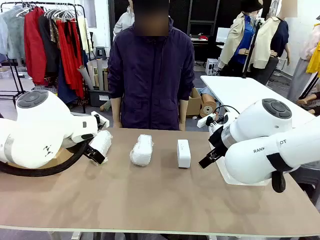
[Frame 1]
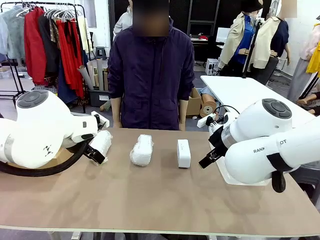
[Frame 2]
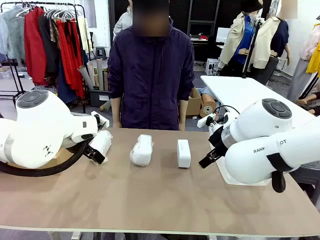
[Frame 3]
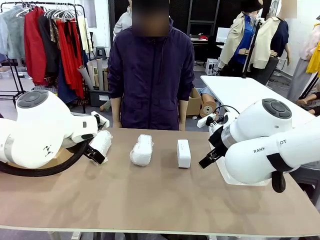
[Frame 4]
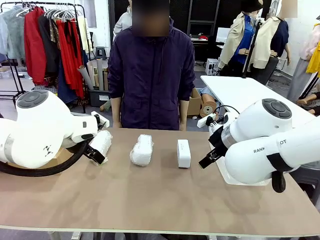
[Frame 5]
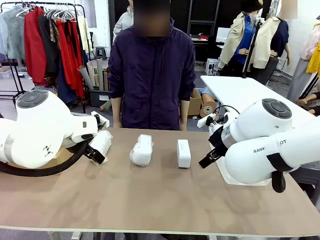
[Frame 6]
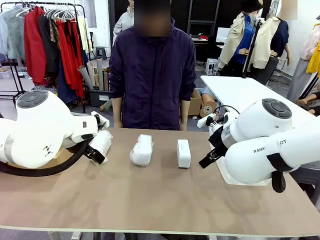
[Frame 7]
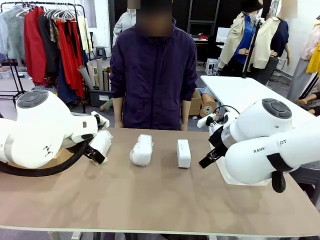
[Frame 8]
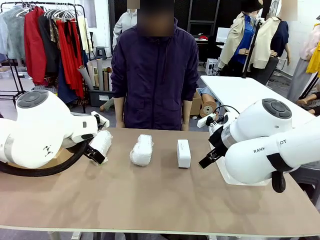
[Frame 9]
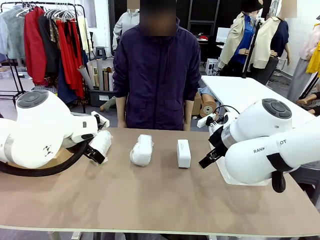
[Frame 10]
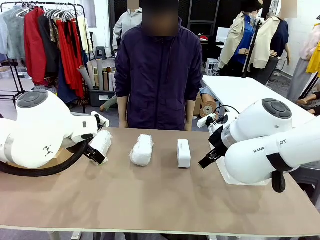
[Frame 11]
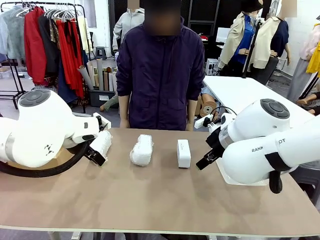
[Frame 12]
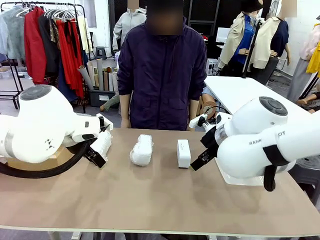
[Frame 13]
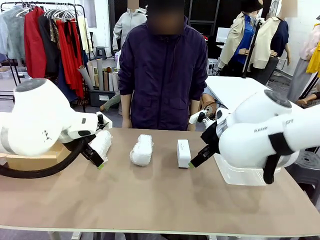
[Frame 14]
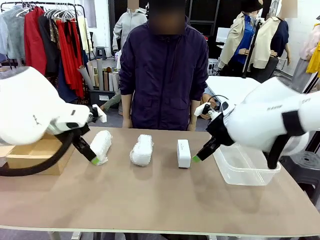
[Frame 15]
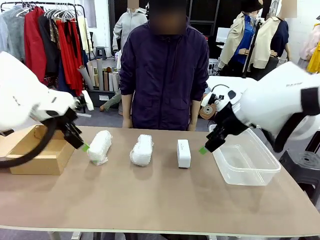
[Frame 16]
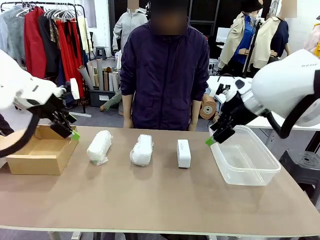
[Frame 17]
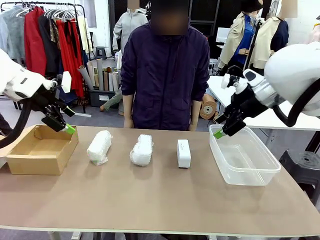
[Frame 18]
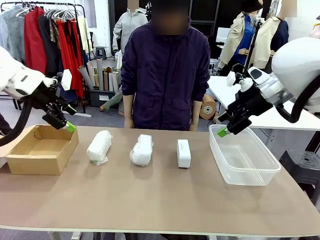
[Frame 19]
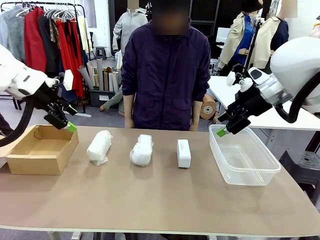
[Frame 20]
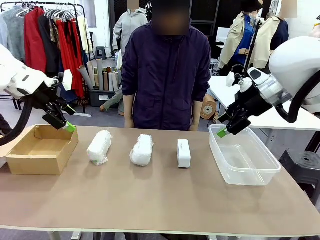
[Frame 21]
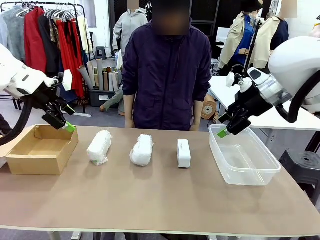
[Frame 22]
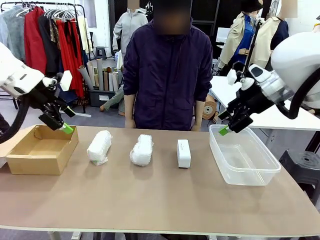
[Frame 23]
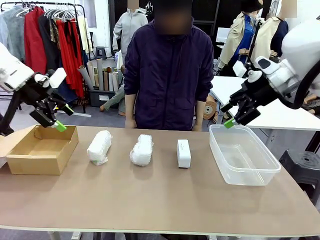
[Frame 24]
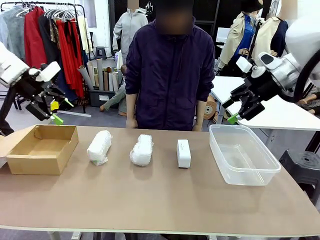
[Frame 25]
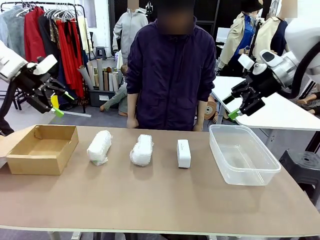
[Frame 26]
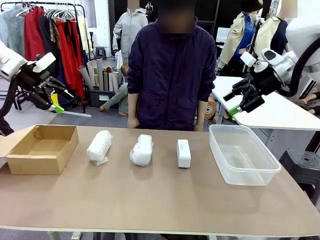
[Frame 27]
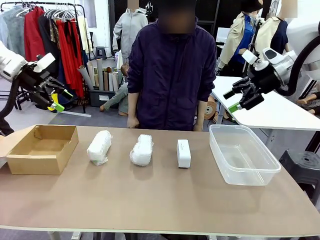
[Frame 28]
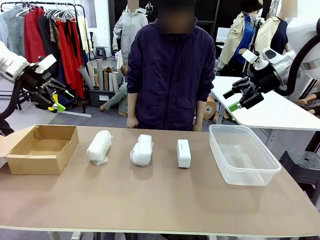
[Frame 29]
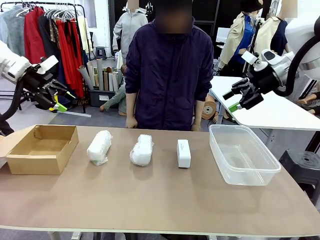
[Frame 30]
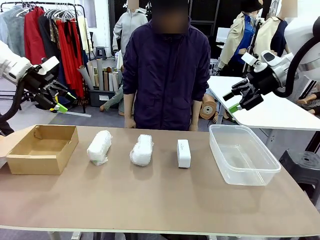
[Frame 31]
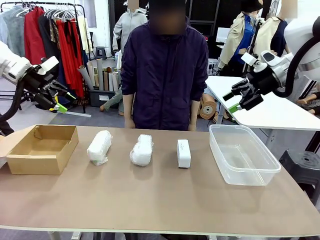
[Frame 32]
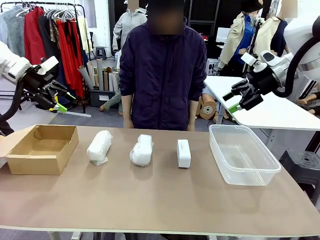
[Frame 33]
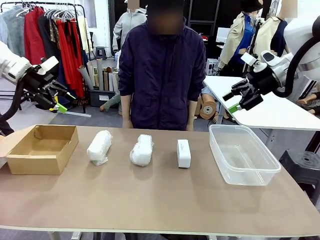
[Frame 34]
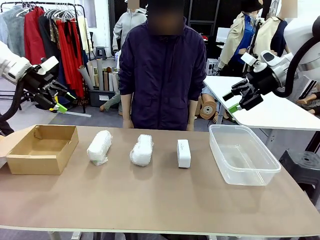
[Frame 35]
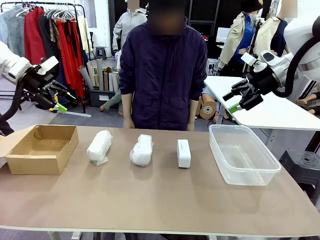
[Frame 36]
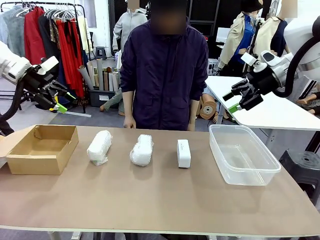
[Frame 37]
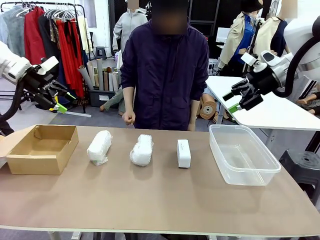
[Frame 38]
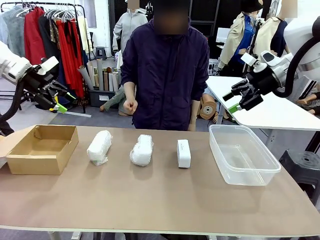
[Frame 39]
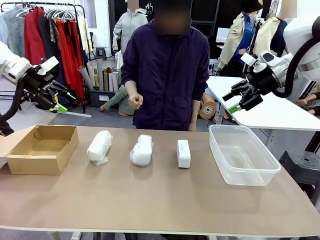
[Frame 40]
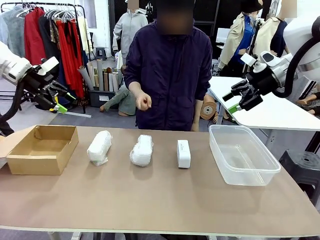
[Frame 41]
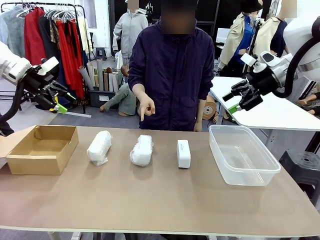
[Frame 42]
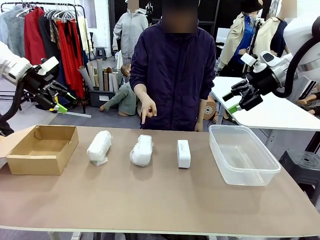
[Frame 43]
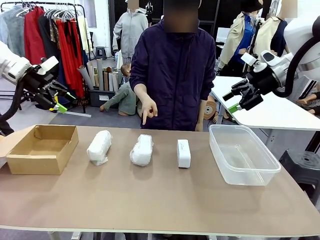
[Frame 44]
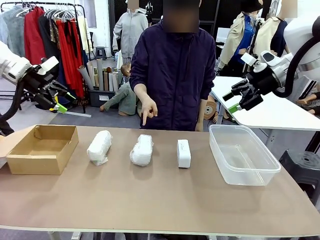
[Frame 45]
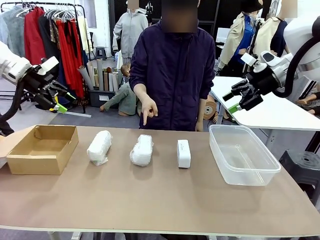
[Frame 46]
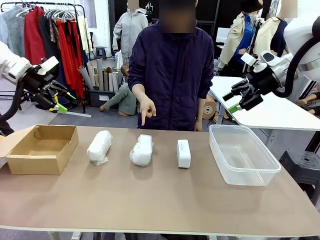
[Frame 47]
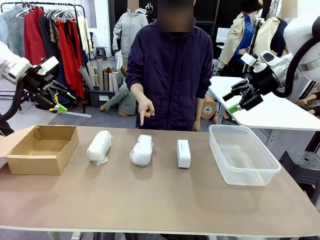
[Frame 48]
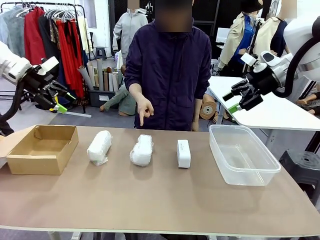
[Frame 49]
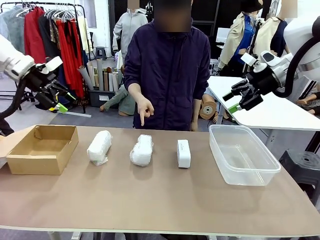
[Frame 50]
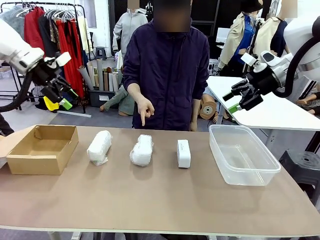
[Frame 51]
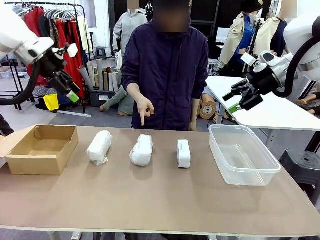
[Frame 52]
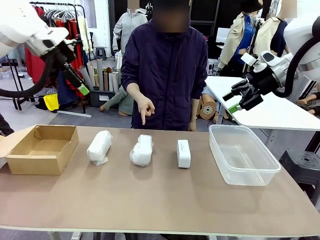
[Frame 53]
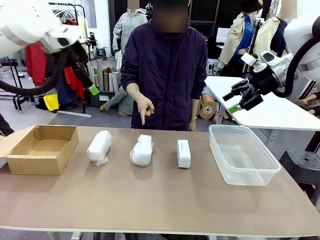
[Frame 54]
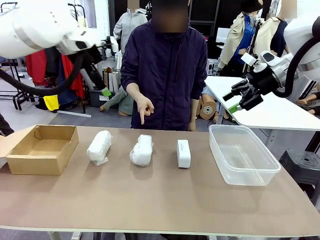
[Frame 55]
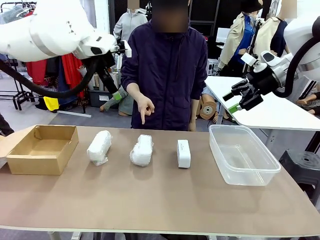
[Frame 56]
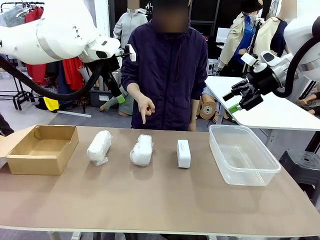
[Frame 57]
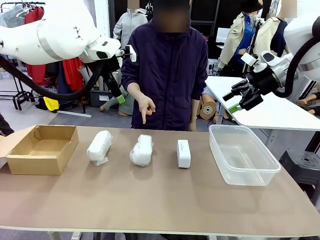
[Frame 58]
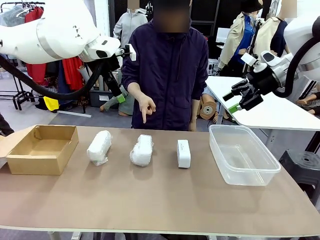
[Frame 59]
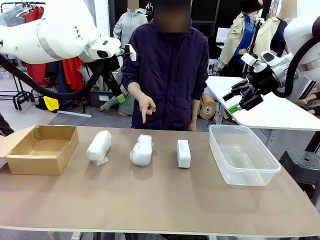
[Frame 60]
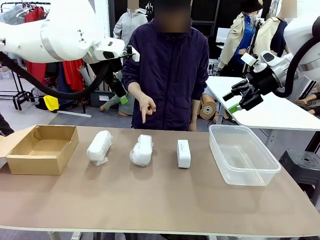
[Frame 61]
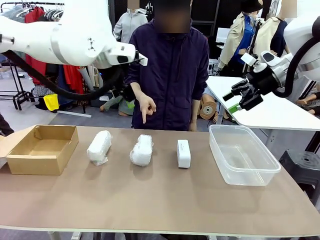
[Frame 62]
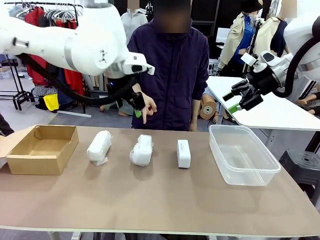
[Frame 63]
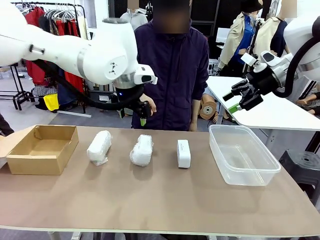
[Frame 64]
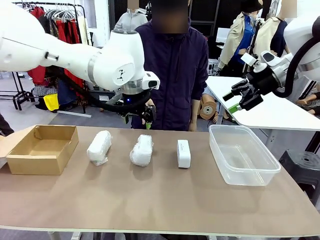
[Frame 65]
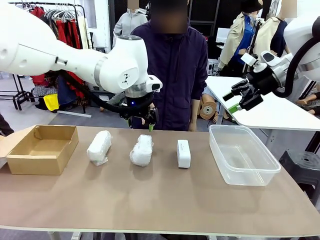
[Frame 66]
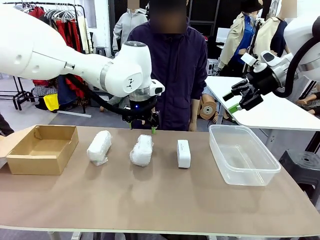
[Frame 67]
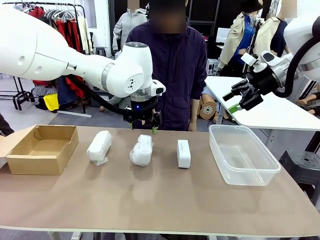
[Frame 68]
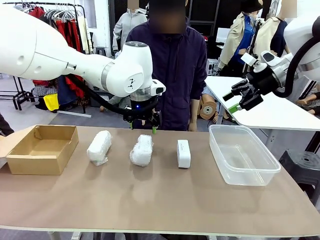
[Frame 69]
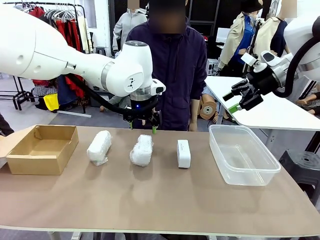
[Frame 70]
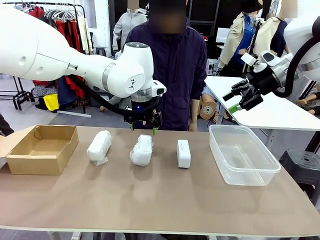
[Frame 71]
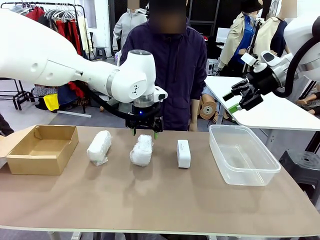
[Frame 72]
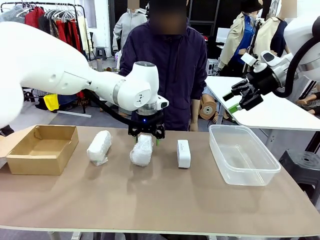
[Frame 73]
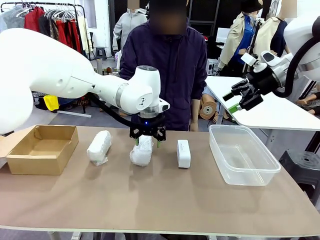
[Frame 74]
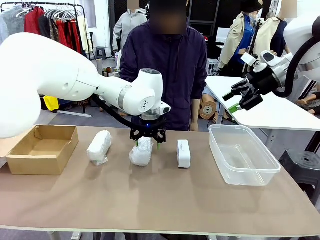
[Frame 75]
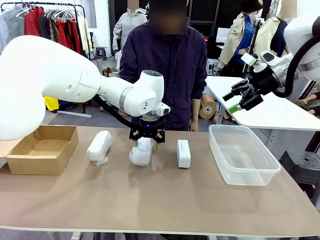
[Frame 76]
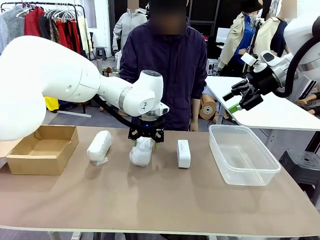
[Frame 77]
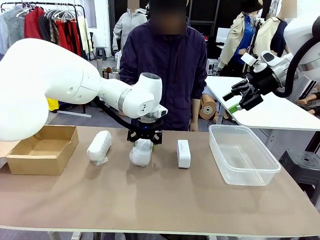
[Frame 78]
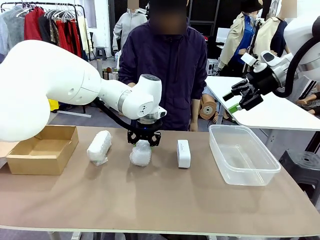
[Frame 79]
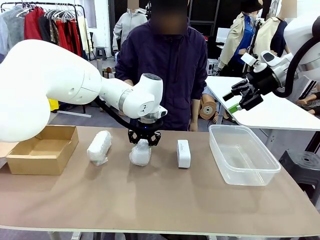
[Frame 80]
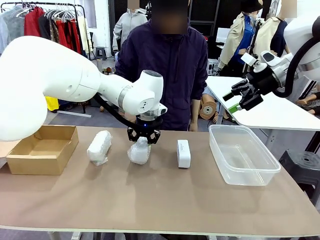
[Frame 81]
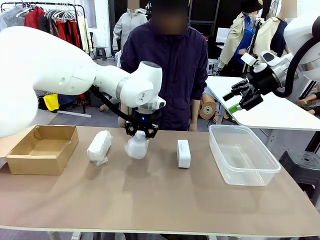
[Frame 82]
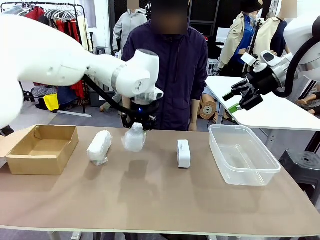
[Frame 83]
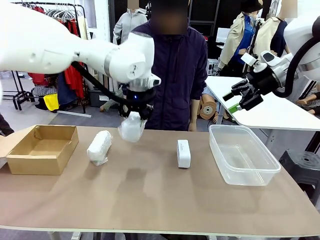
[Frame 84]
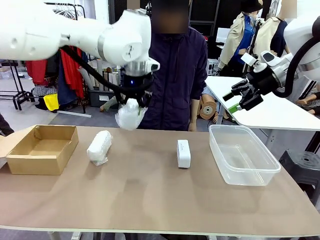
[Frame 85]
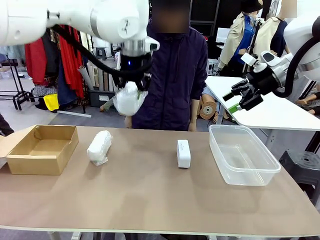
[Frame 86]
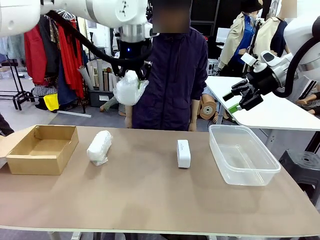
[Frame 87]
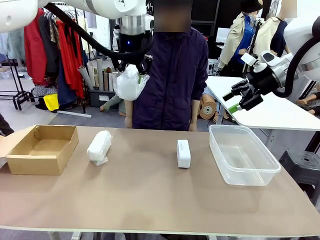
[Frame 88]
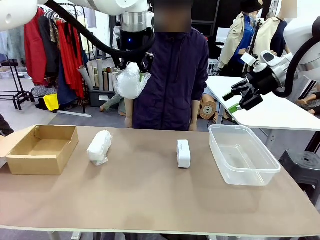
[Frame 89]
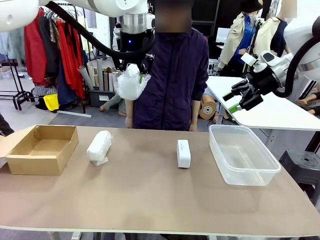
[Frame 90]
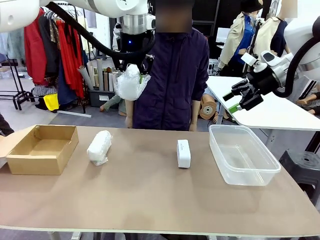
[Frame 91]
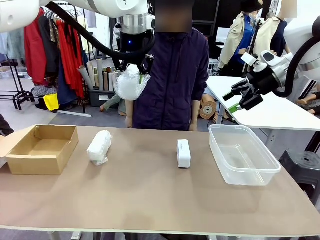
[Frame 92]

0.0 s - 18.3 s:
Task: Separate and place wrapped and unwrapped clocks.
Robot: Pick up the Digital clock indicated by the person.
